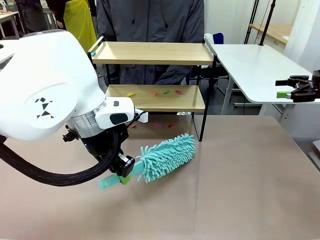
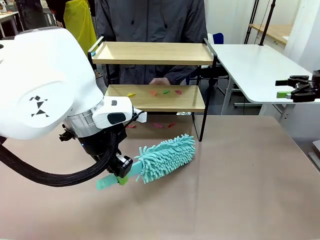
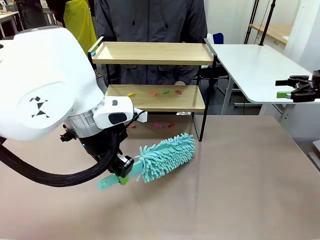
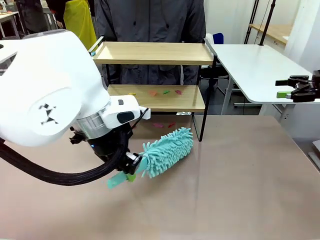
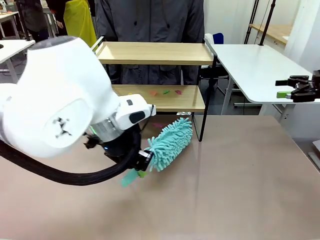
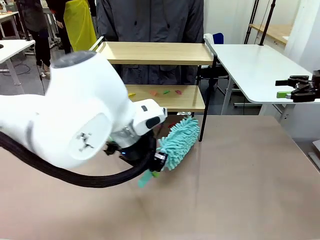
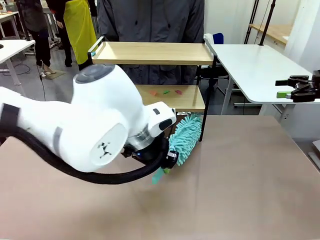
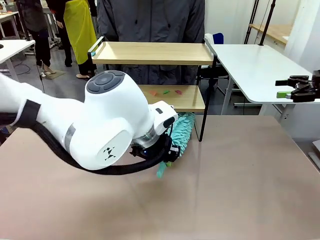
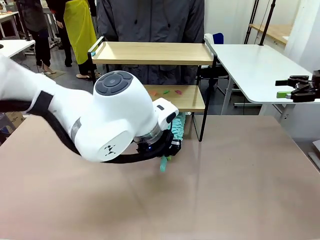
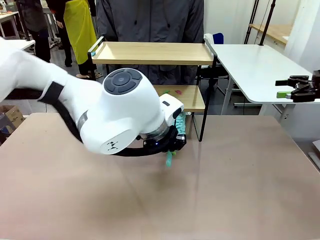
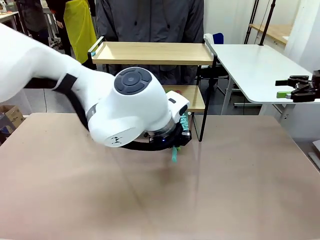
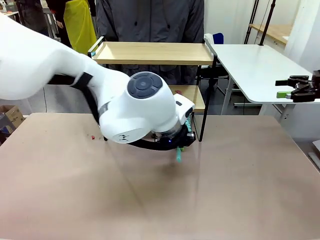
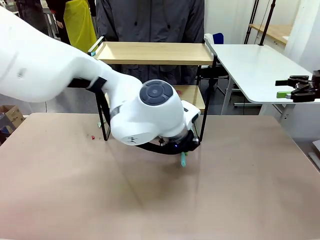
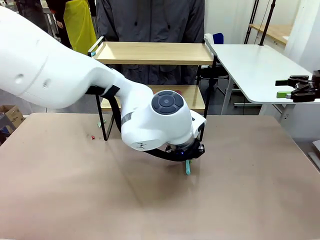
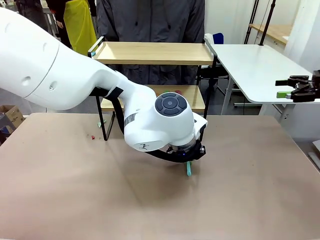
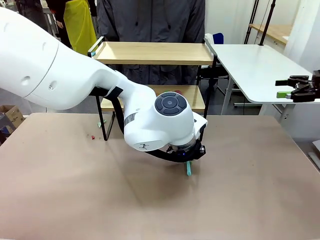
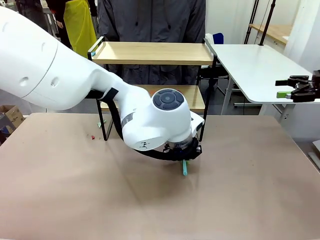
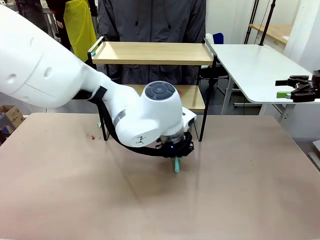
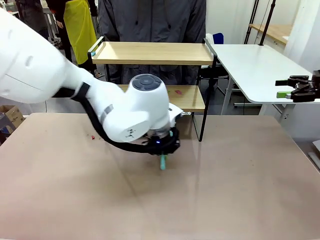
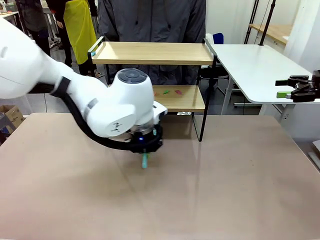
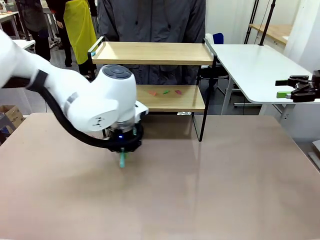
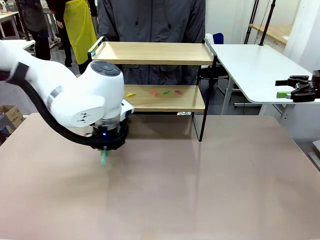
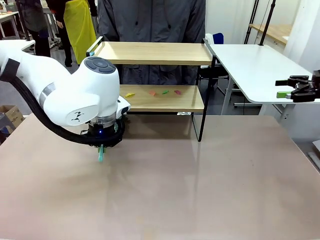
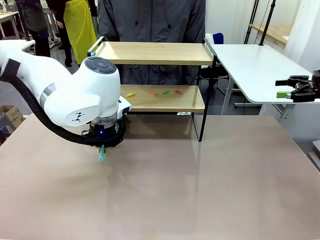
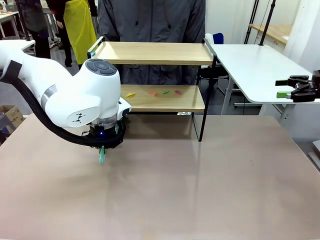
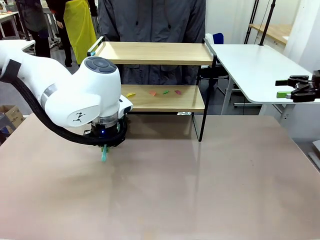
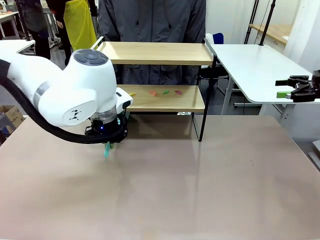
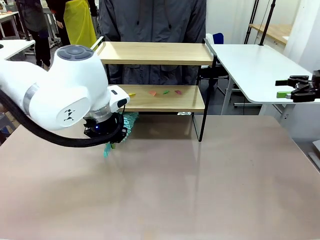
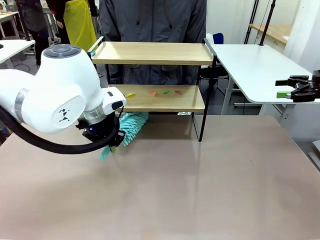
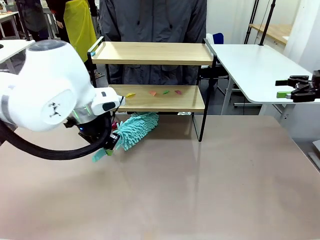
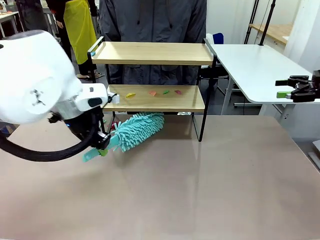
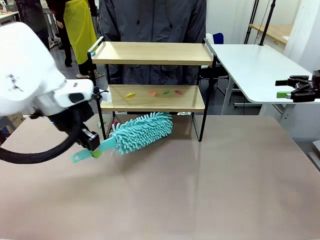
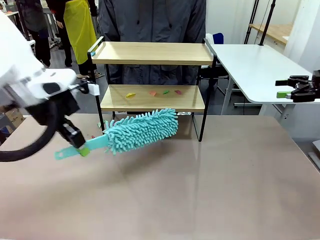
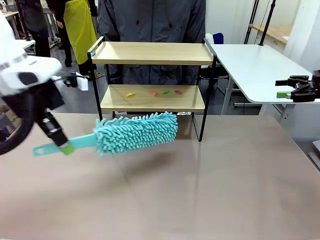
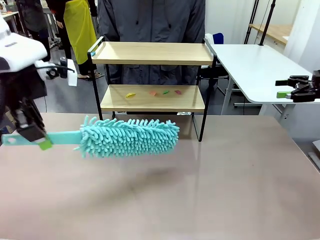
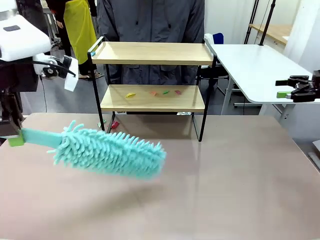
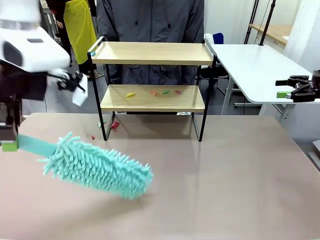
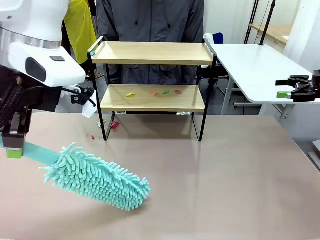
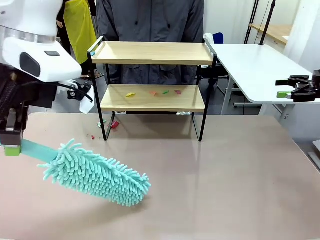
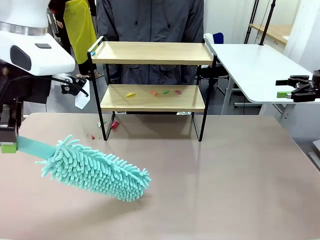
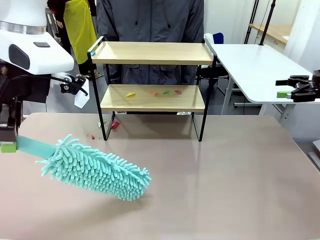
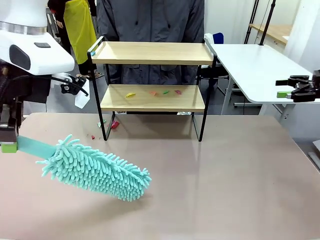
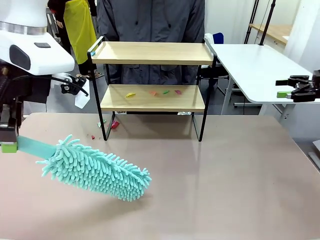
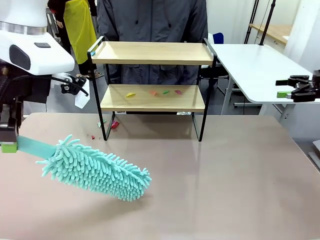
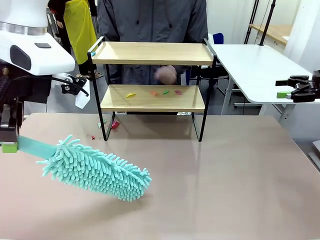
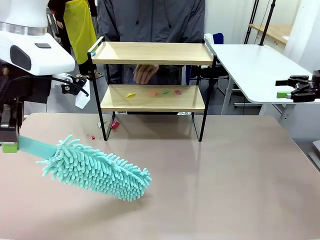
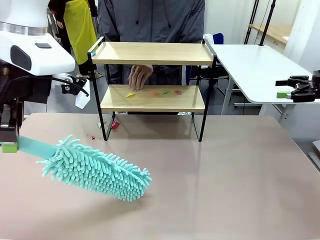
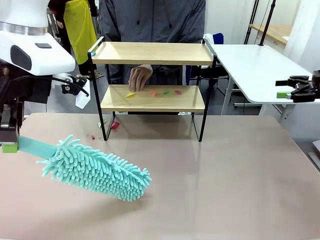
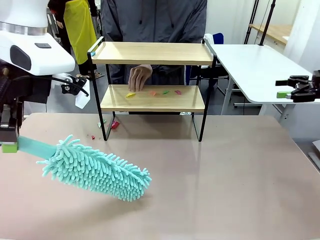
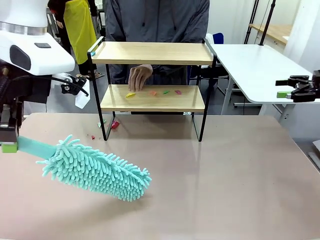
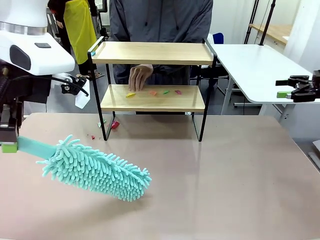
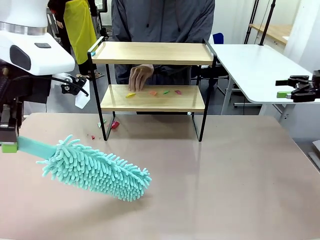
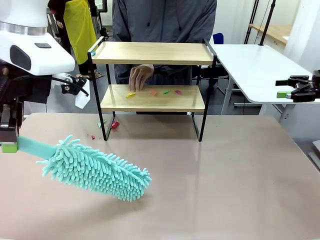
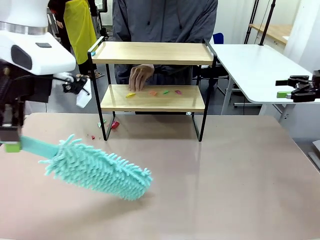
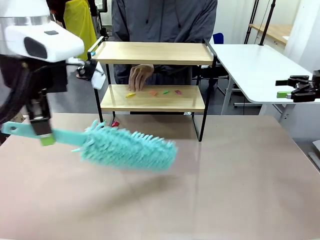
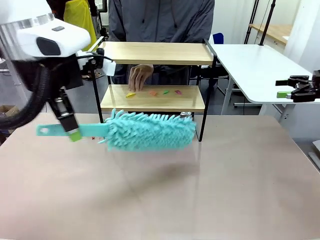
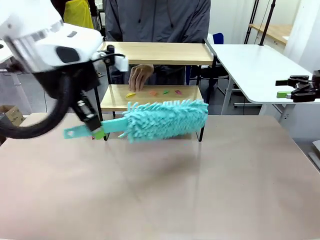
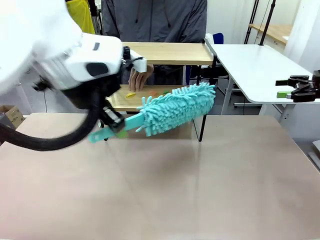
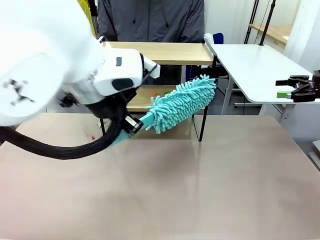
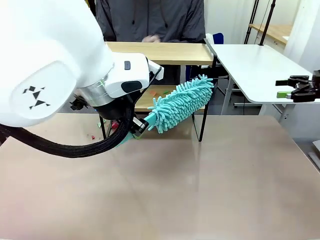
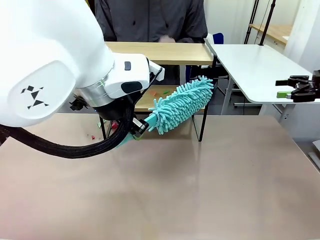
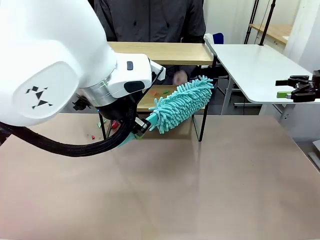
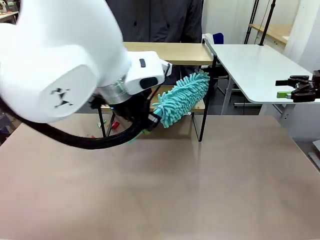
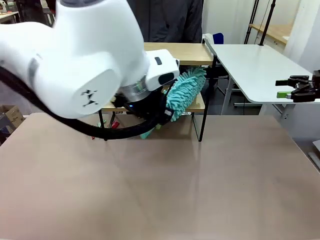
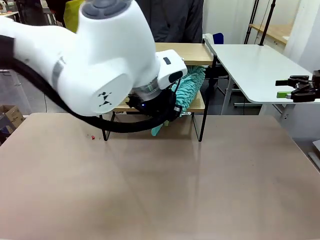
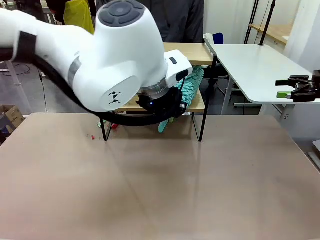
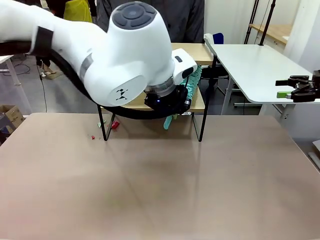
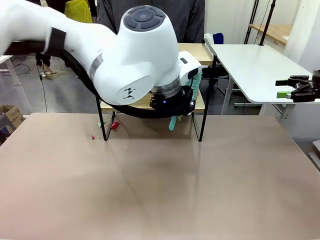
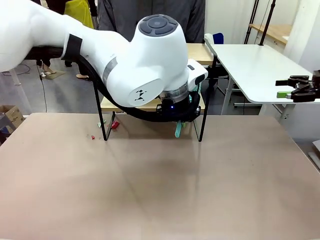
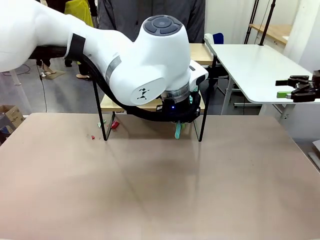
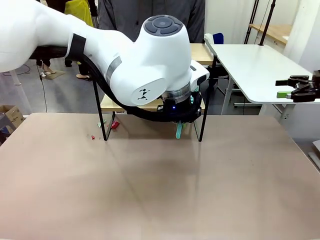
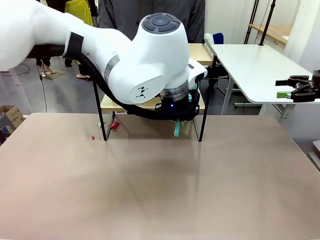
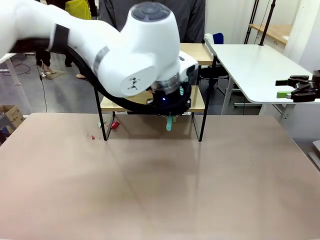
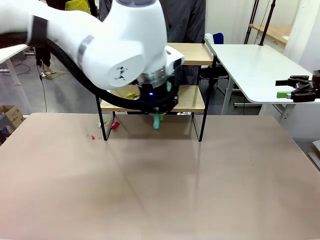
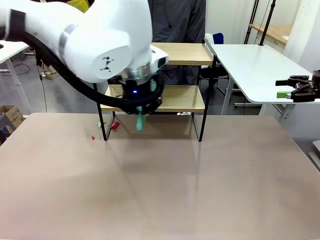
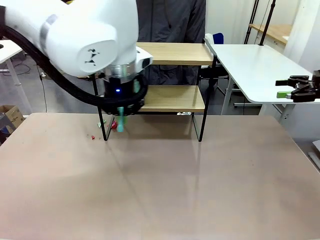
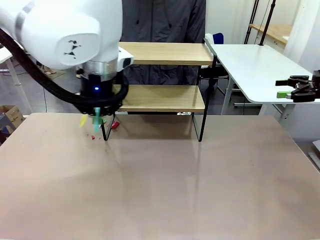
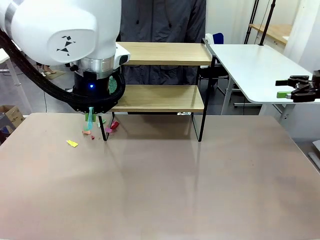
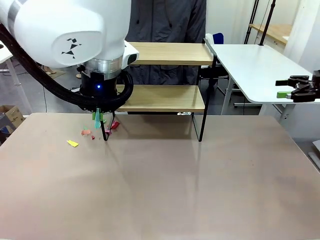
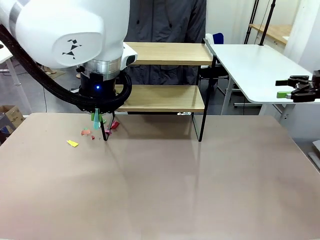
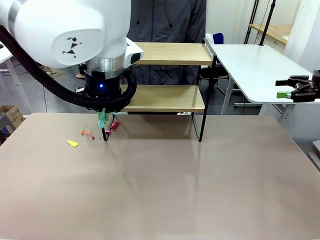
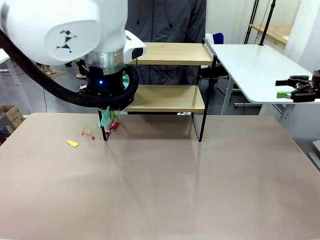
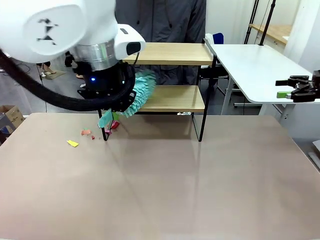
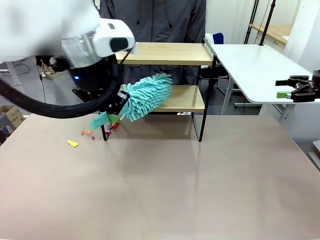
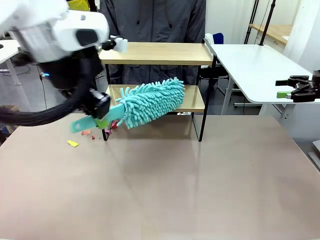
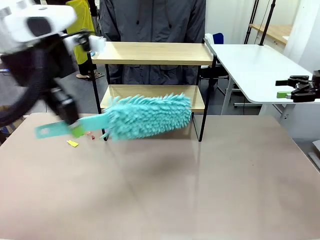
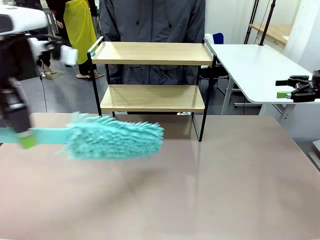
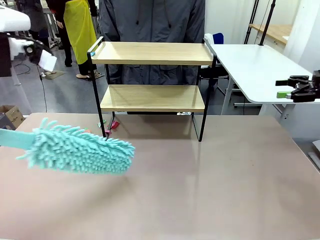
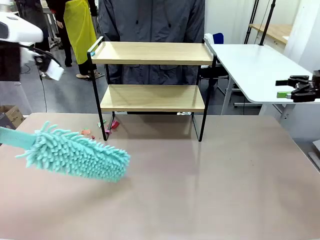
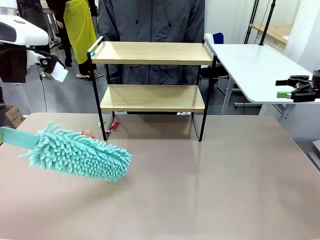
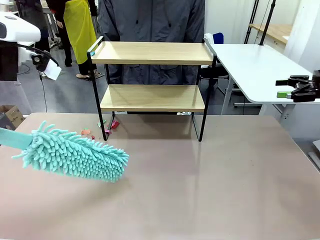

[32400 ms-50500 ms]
Task: Clean the shelf.
Robot: Clean the specific section of the Shelf indicated by the human with the Duster.
Person: Point a remaining section of the Shelf.
